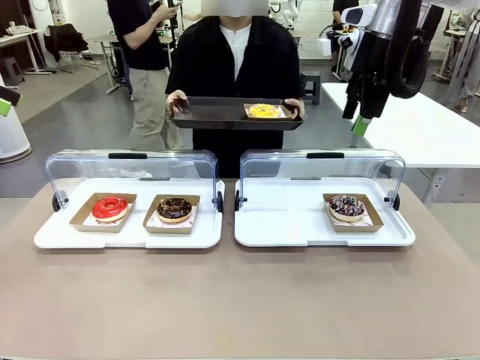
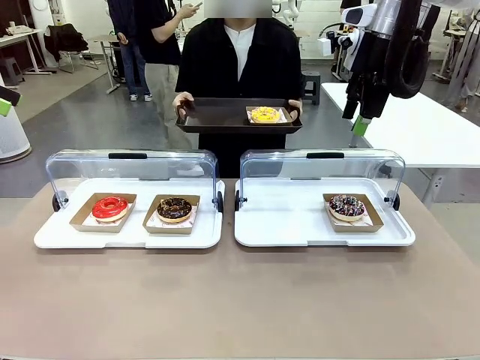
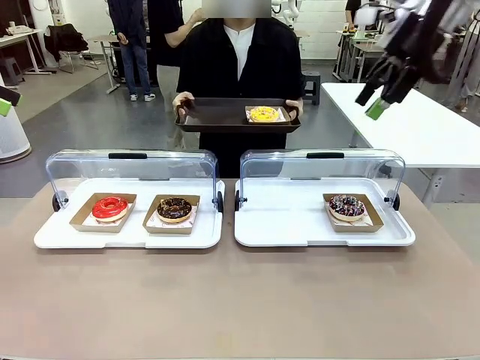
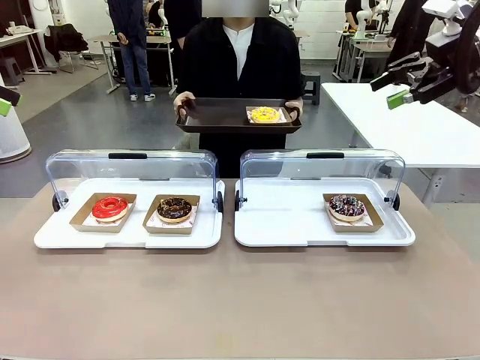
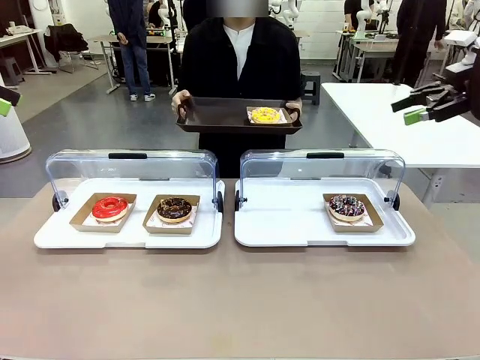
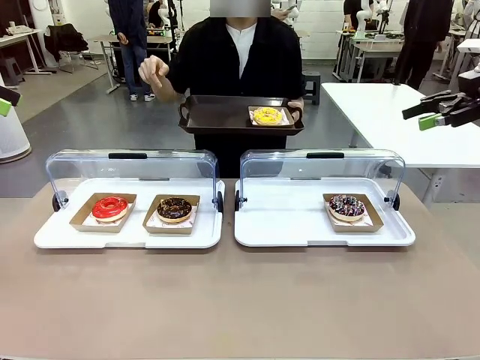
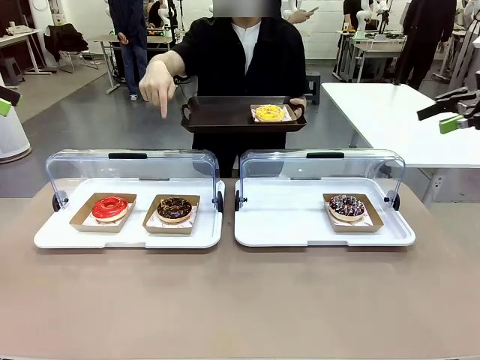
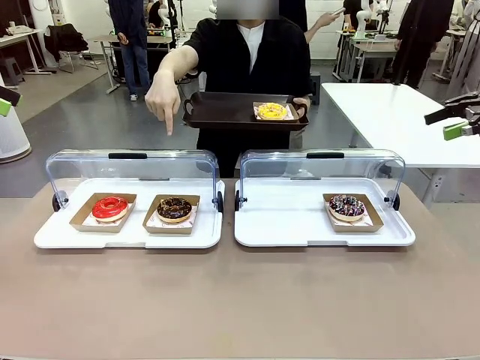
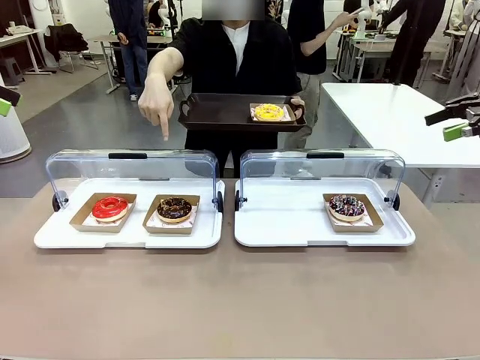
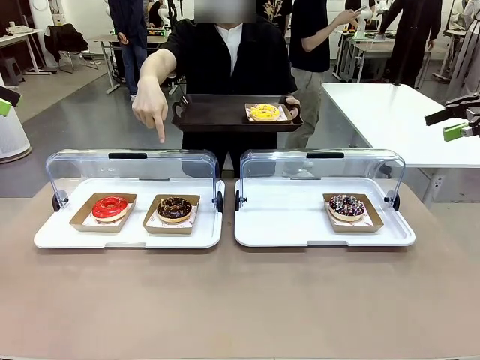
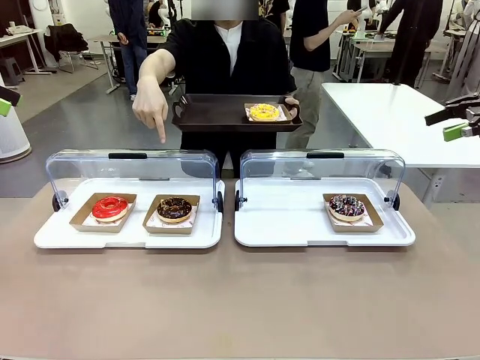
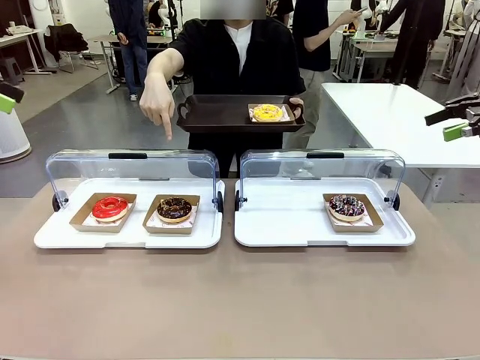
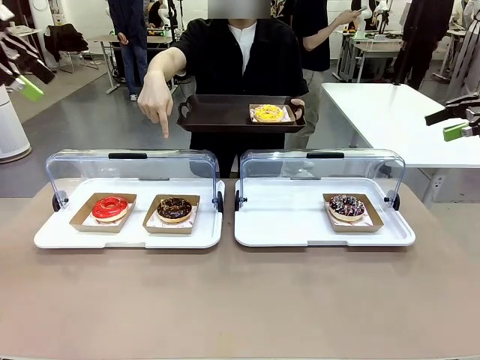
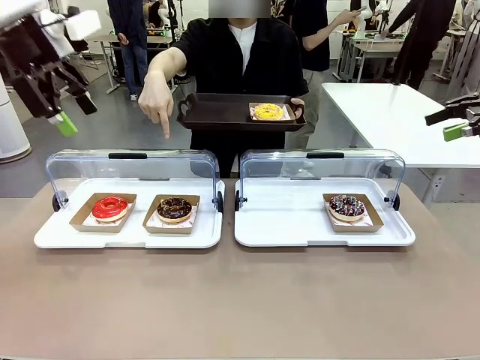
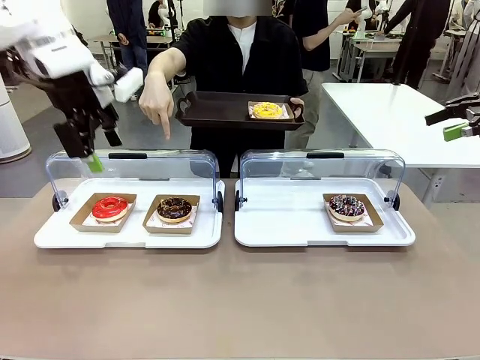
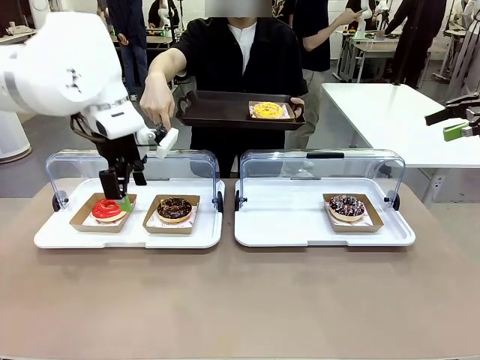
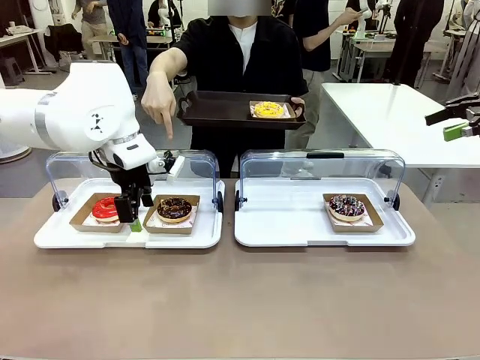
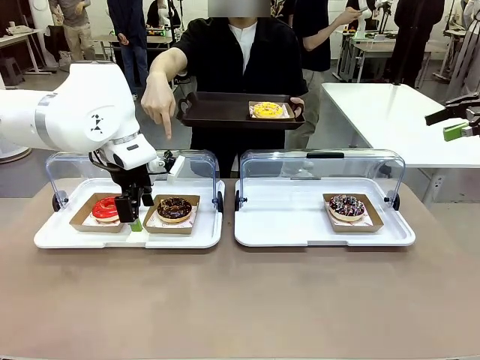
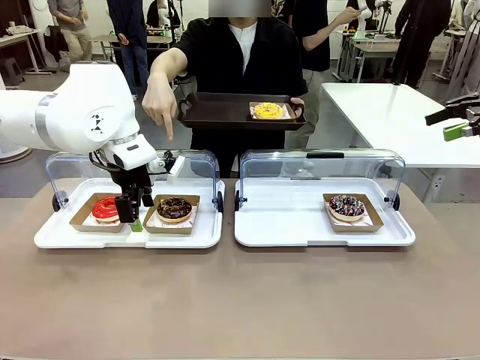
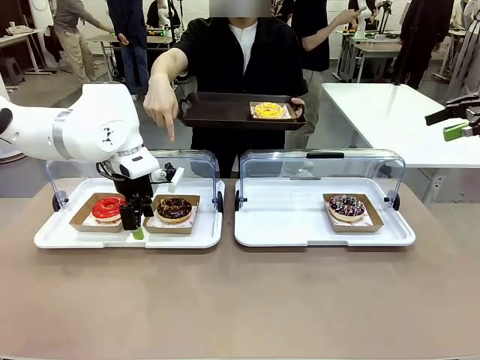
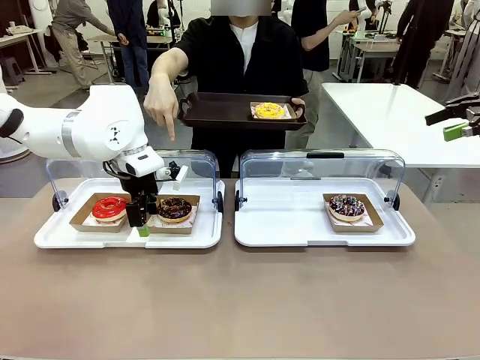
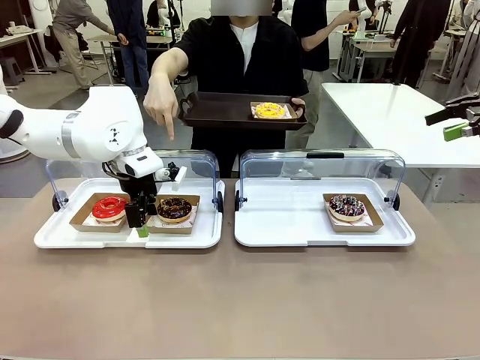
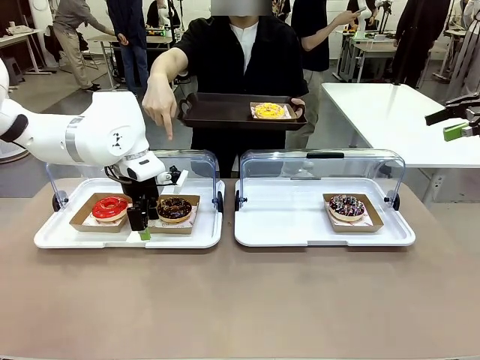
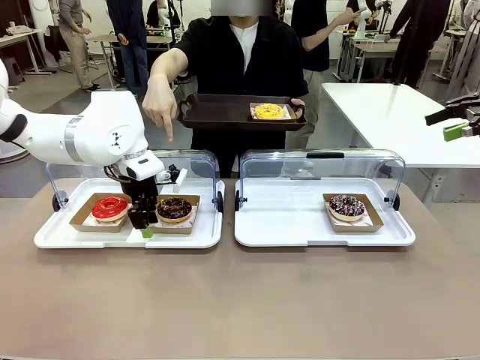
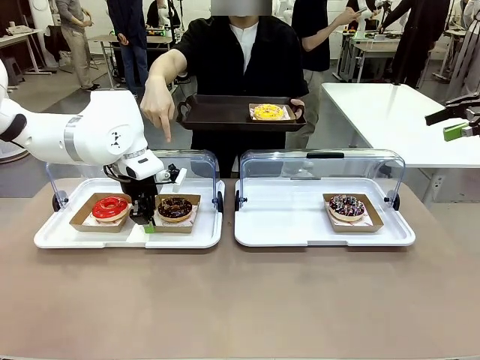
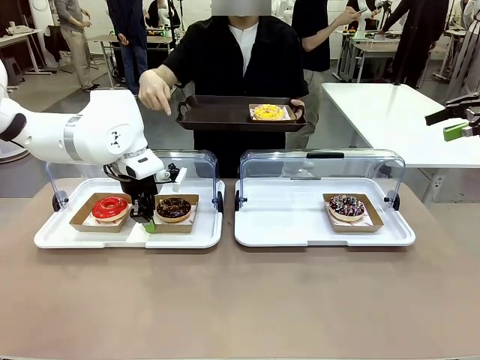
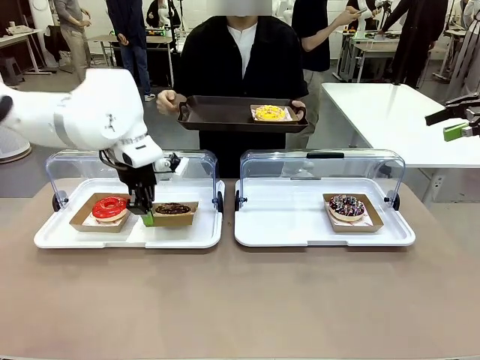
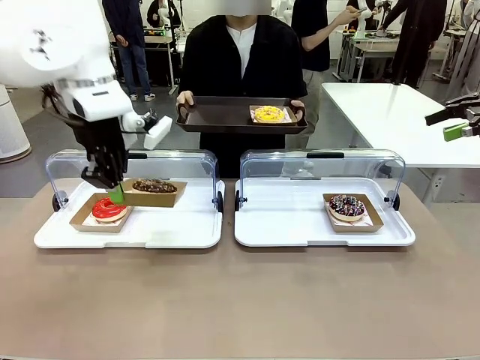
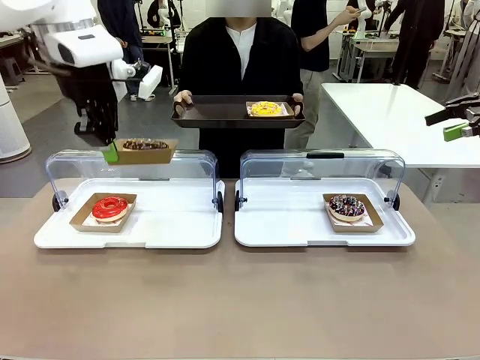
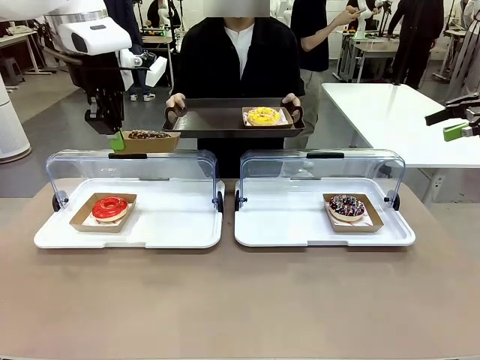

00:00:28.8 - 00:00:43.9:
Task: Provide the desired donut to the person.
Robot: Pick up and lift the Paper togo box containing the Donut pointed at by the person.
Person: Point to one donut. Lift the tray onto the Roll-Top Bakery Case.

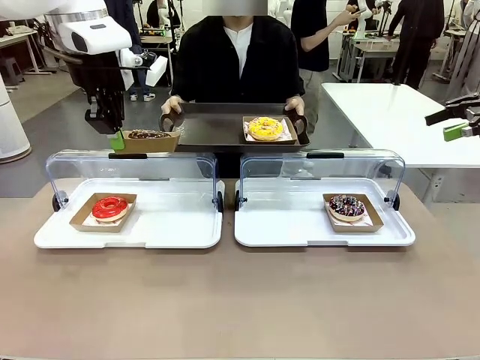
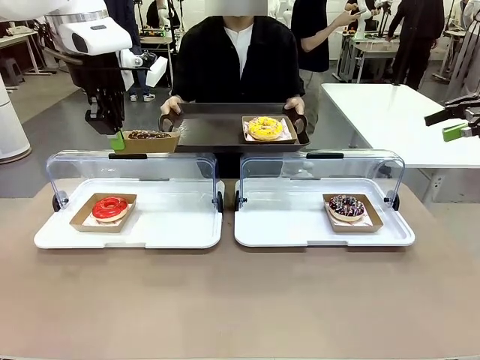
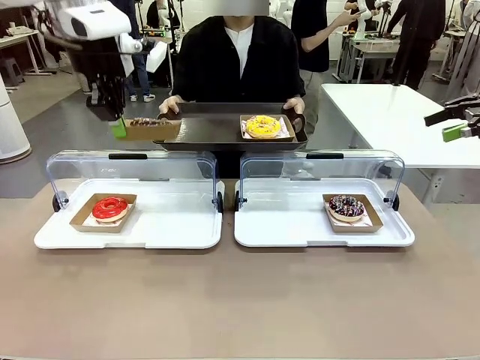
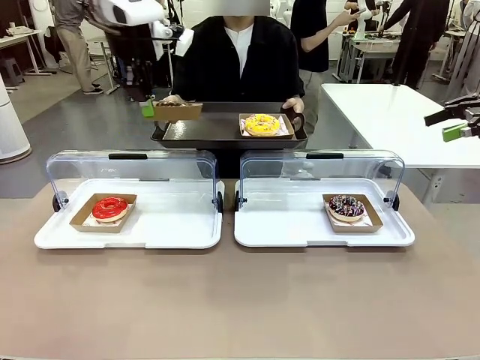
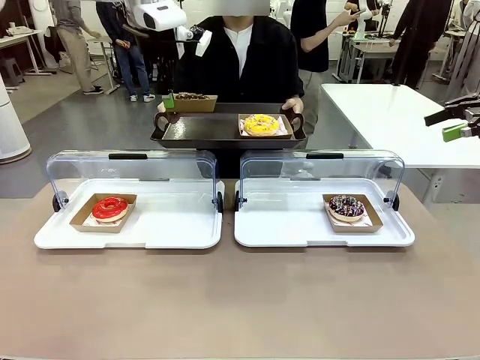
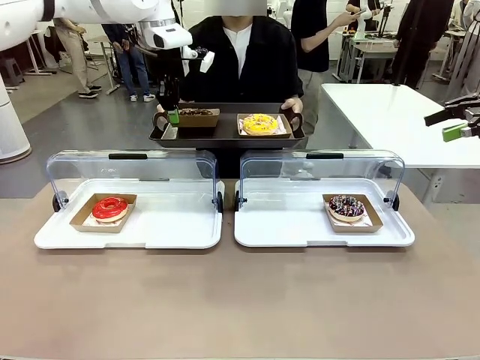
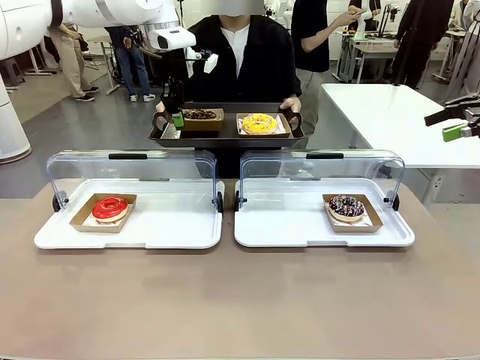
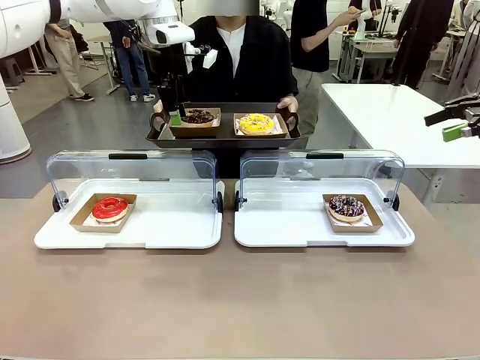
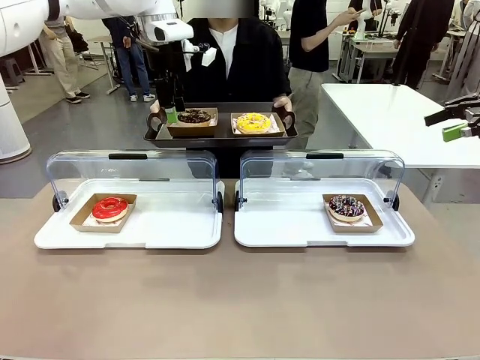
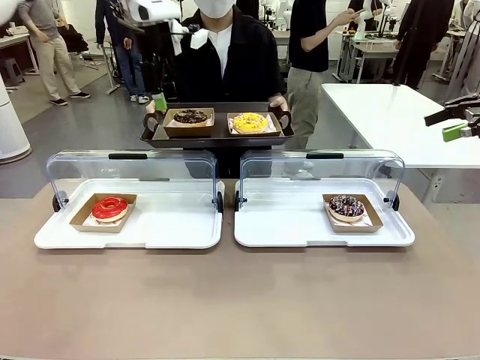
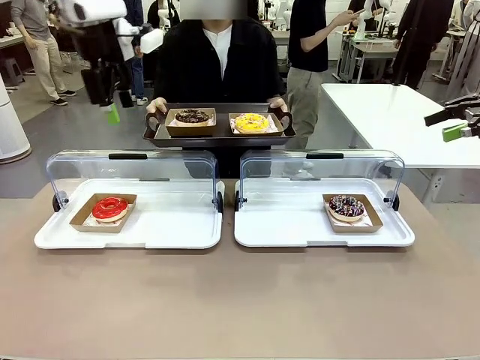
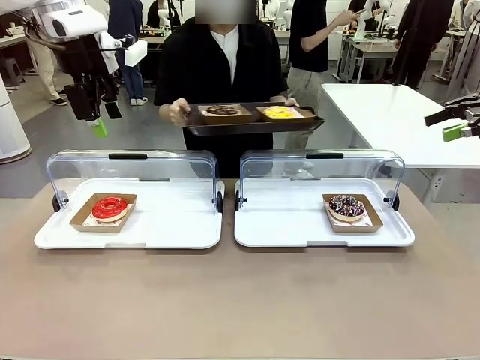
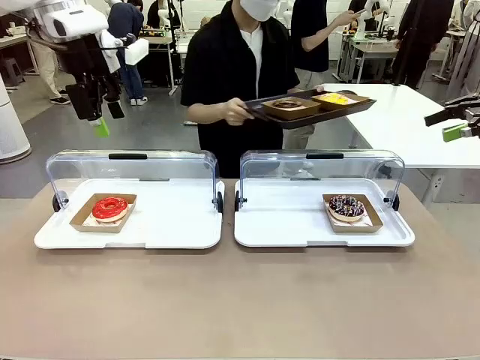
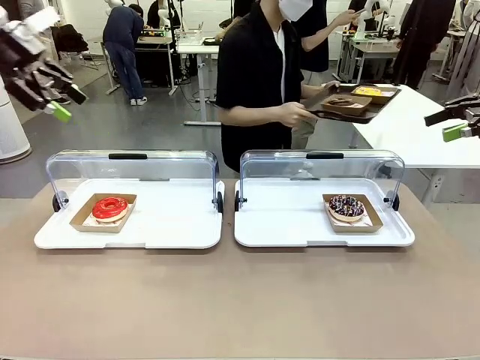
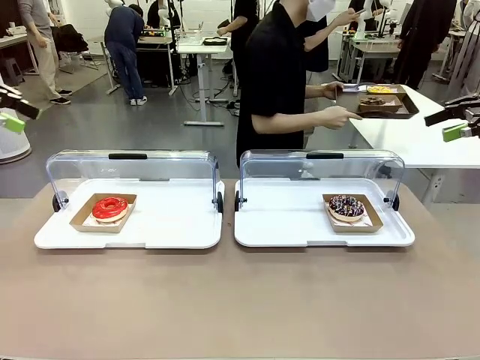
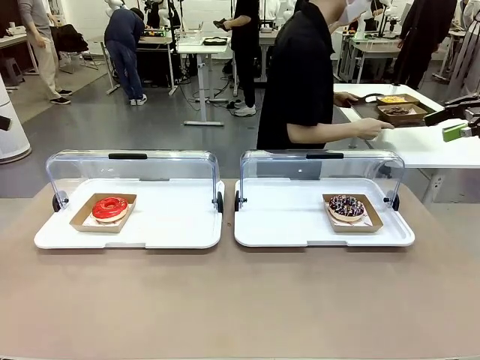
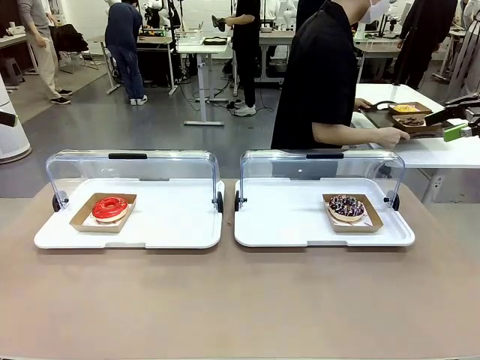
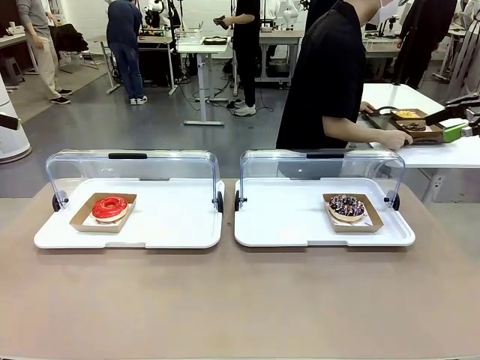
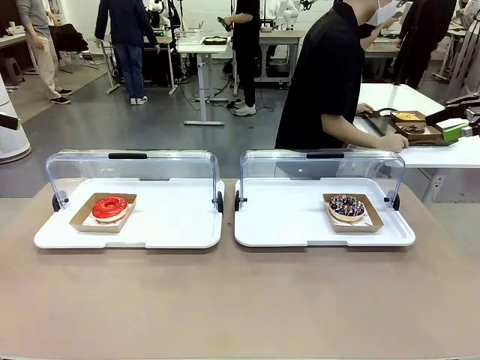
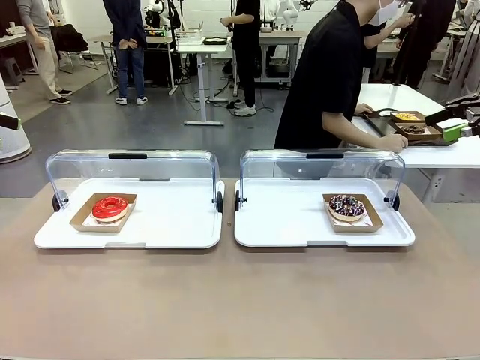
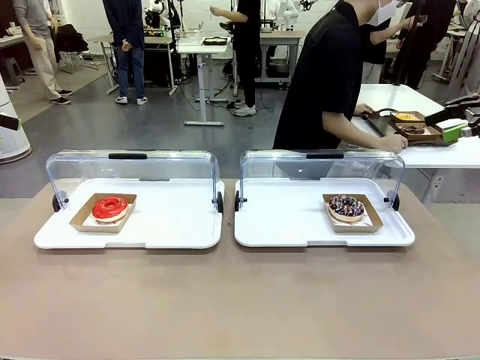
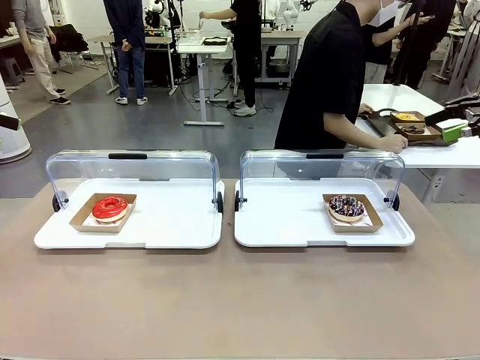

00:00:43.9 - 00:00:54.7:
Robot: Place the picked Paper togo box onto the Handle tray extended by the person.
Person: Place the tray in the middle of the human table.
